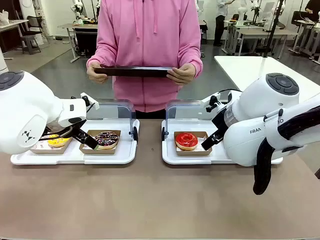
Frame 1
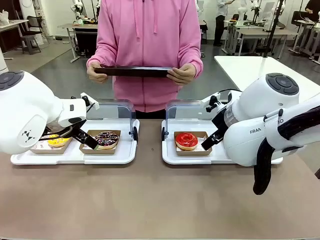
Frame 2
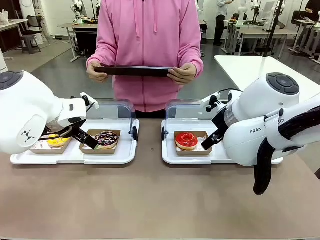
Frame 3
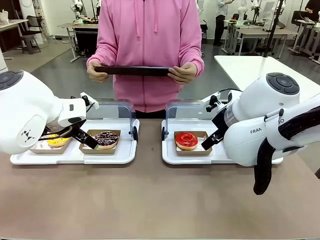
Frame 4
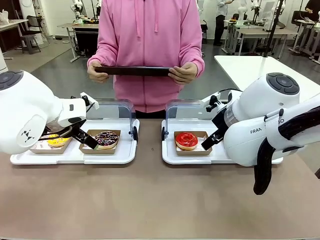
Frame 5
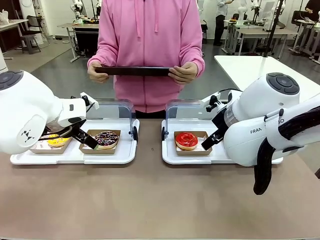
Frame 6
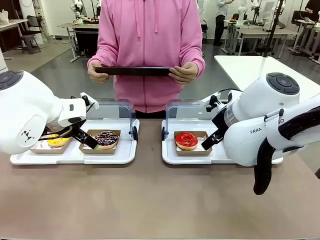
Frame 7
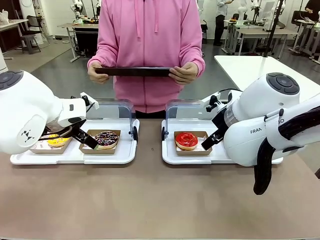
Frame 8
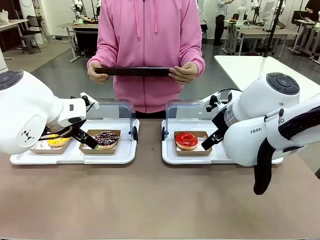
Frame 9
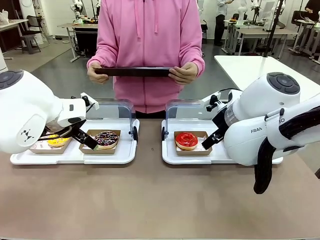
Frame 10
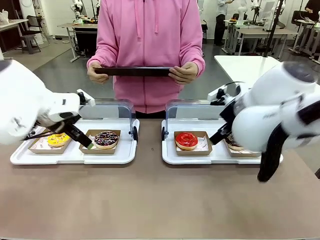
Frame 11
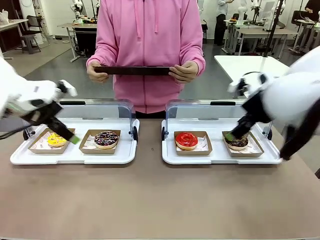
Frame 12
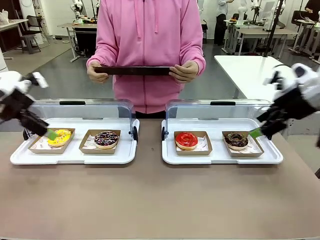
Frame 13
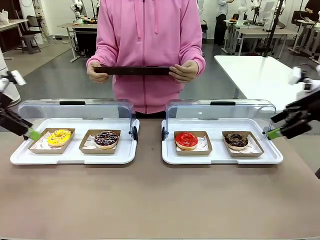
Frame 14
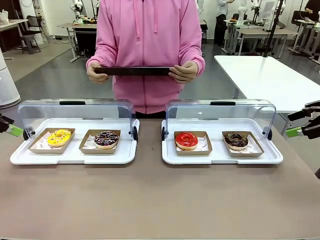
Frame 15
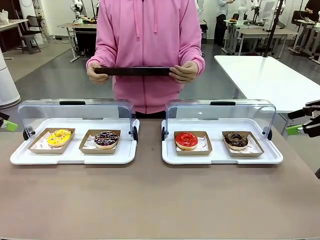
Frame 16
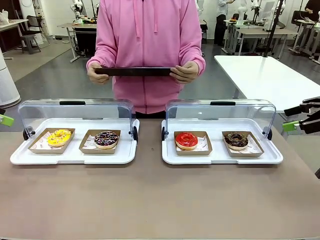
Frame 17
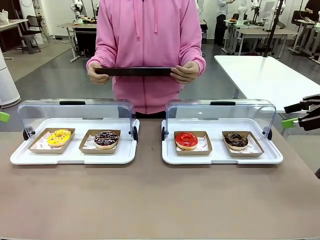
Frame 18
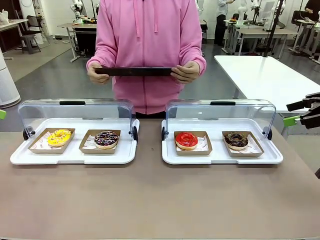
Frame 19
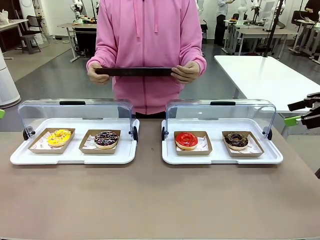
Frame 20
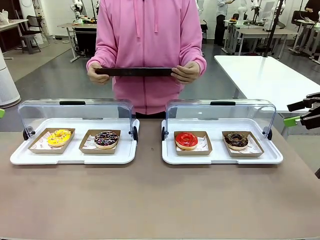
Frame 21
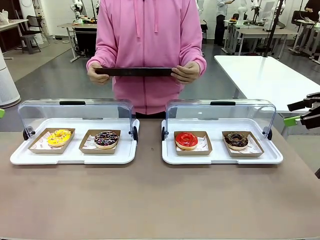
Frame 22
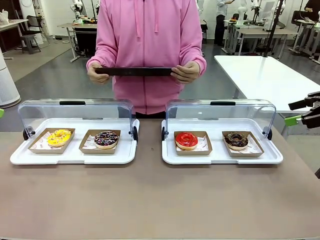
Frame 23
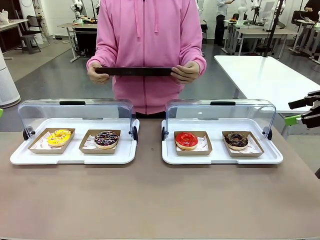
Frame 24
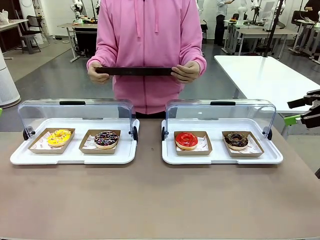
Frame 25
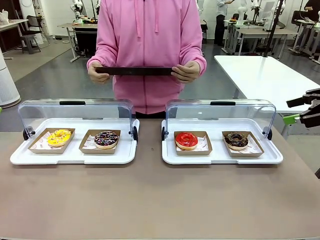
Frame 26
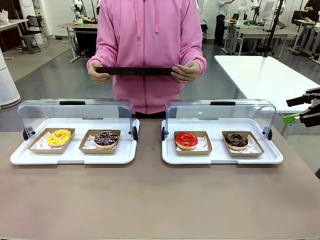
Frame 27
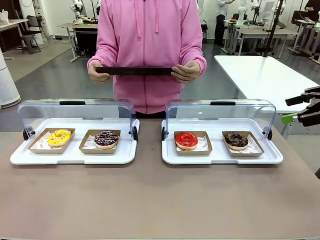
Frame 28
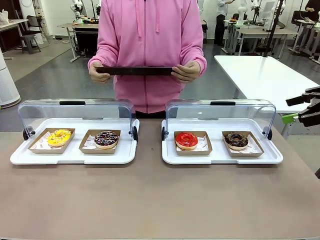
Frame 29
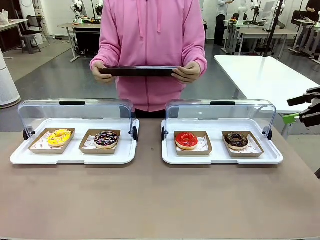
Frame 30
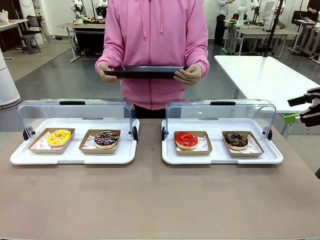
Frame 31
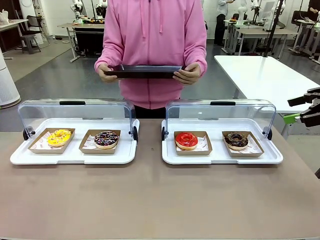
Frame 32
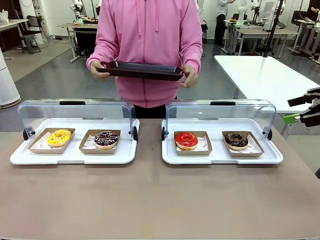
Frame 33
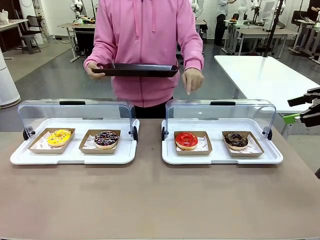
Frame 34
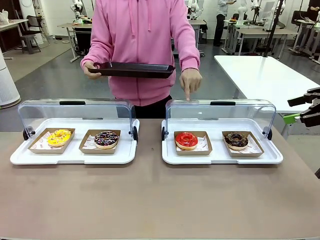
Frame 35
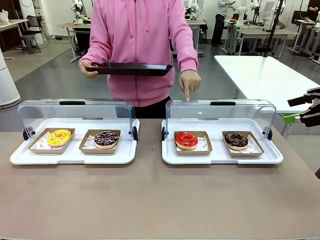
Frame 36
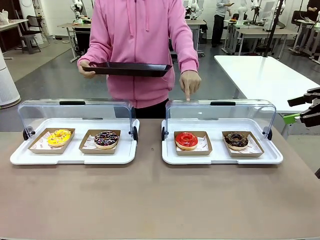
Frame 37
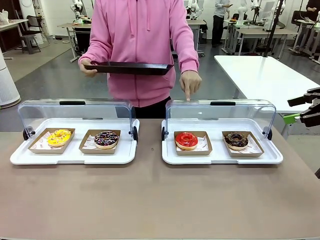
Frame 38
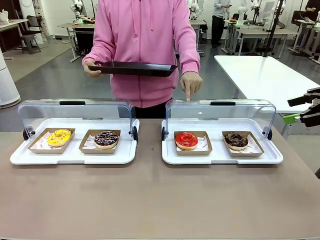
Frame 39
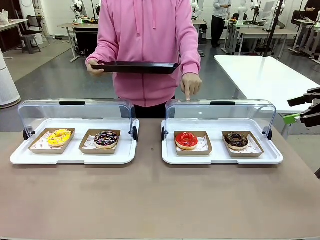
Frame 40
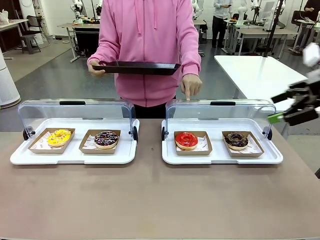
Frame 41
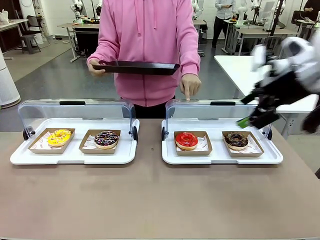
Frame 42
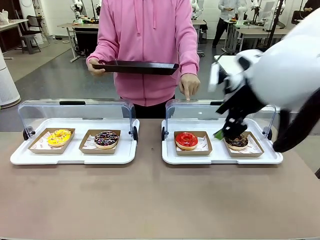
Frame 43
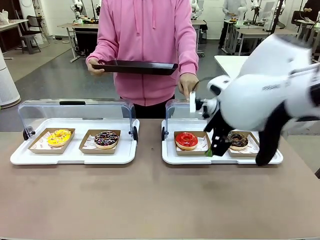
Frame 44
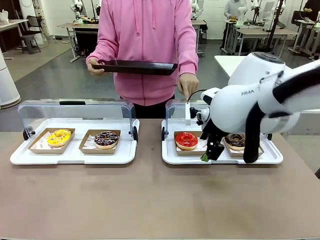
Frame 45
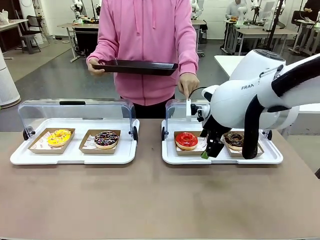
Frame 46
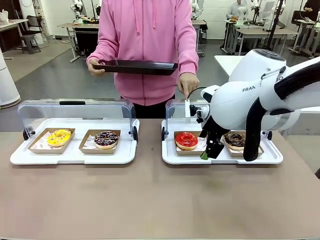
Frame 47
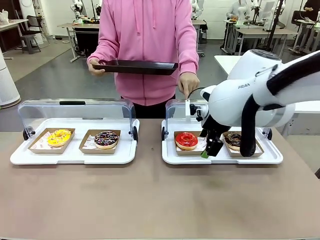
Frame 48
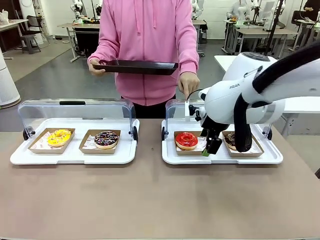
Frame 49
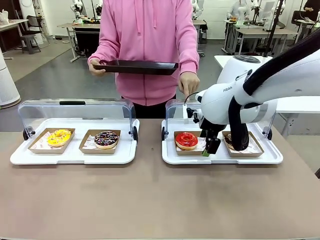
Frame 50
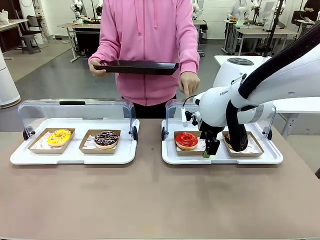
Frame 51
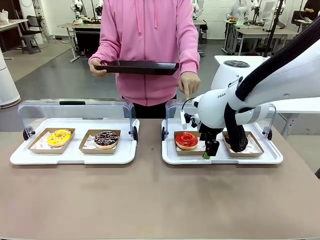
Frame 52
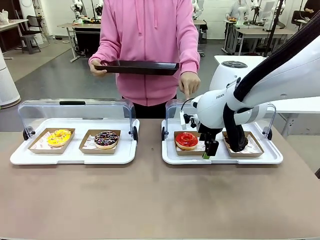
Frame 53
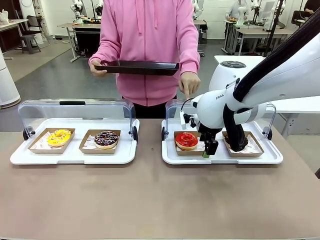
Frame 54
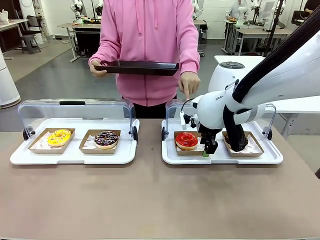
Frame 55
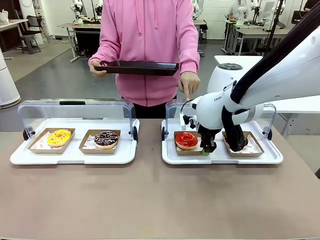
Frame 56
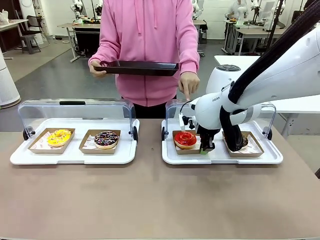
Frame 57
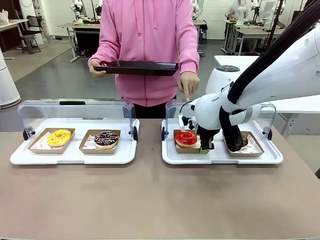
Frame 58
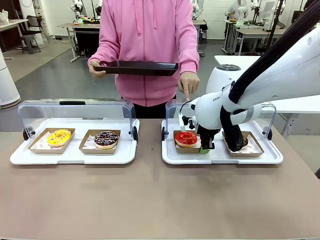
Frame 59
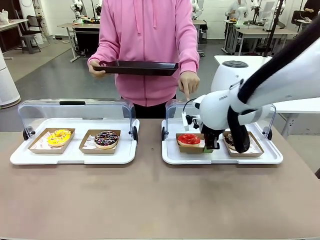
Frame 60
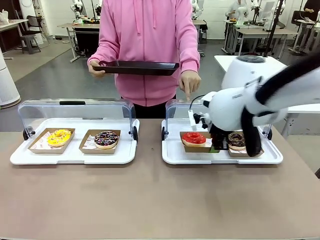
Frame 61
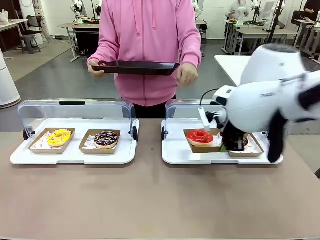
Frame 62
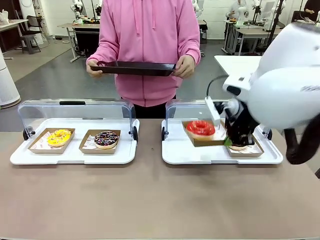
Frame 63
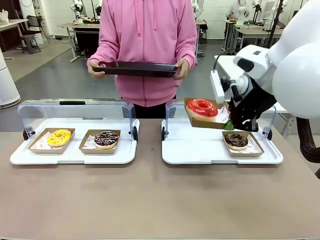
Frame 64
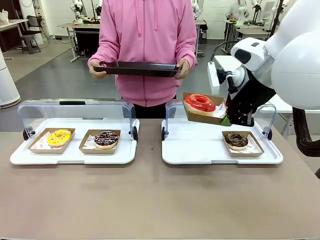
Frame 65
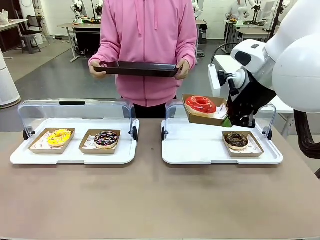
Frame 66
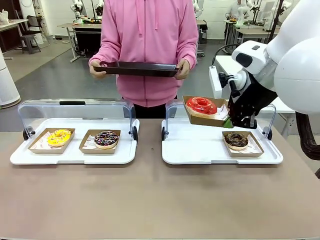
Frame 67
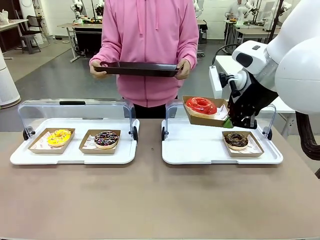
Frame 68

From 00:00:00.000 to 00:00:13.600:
Task: Provide the desired donut to the person.
Robot: Pick up and lift the Paper togo box containing the Donut pointed at by the person.
Person: Point to one donut. Lift the tray onto the Roll-Top Bakery Case.

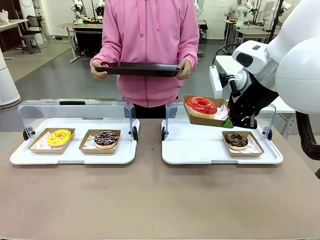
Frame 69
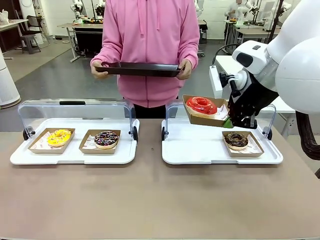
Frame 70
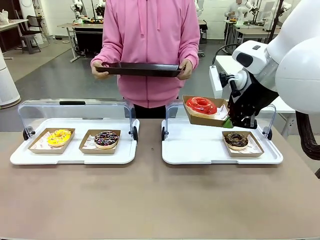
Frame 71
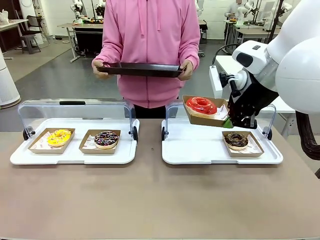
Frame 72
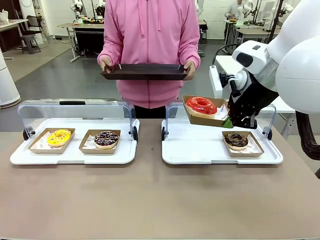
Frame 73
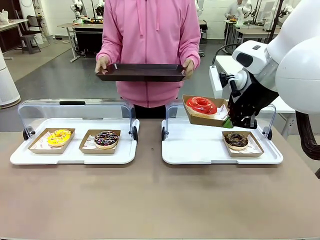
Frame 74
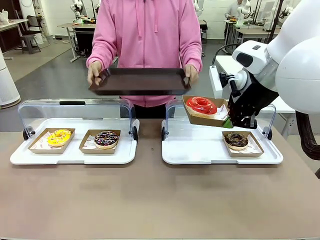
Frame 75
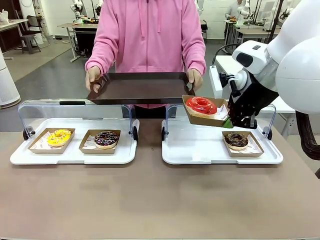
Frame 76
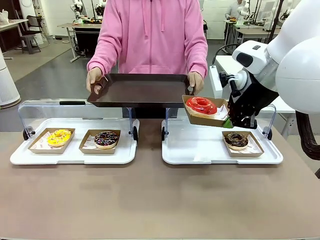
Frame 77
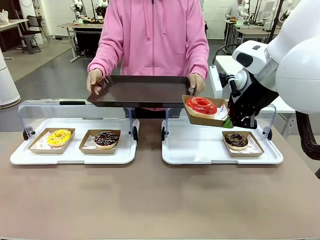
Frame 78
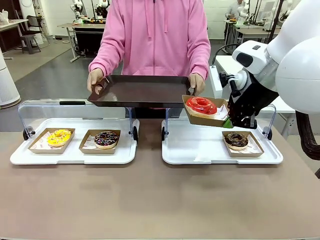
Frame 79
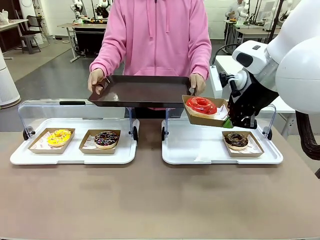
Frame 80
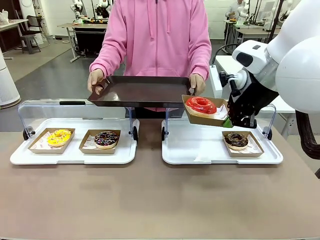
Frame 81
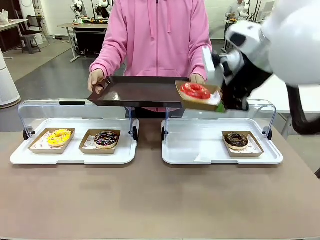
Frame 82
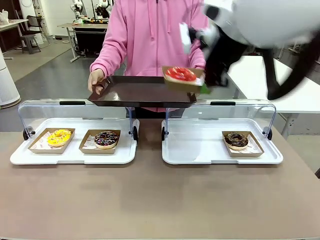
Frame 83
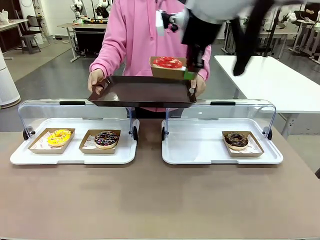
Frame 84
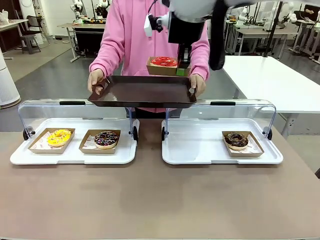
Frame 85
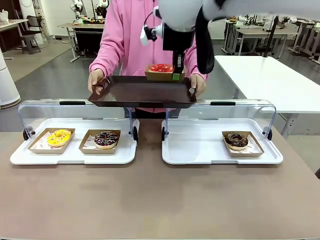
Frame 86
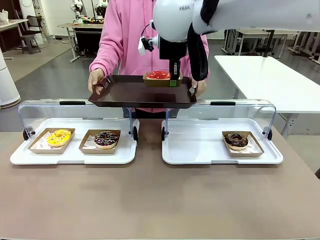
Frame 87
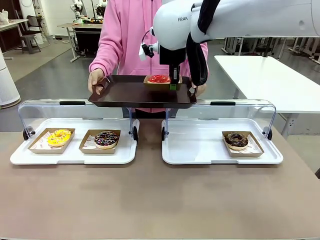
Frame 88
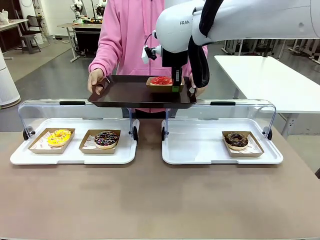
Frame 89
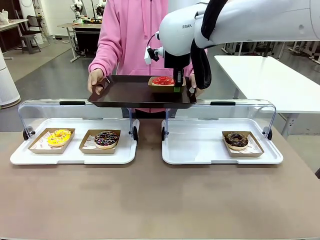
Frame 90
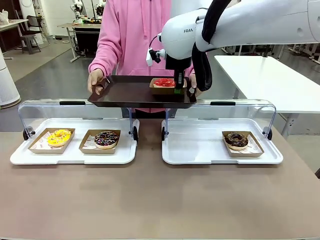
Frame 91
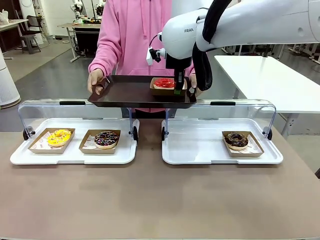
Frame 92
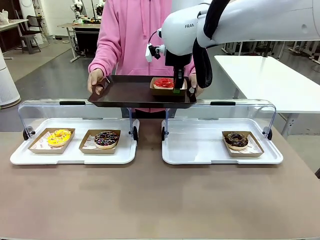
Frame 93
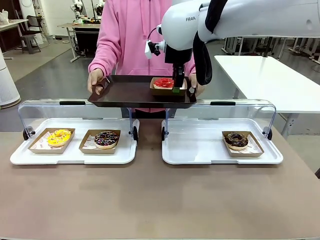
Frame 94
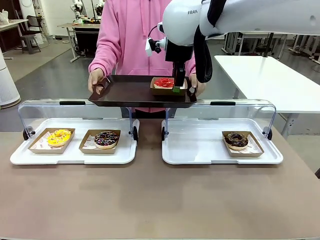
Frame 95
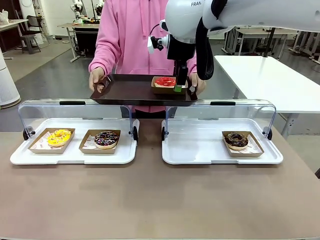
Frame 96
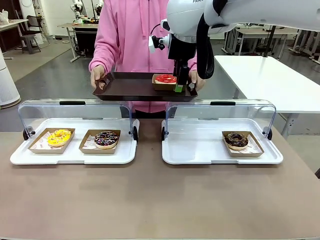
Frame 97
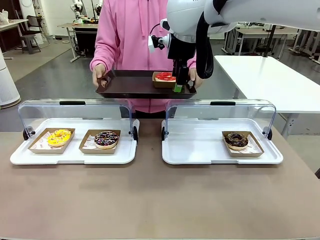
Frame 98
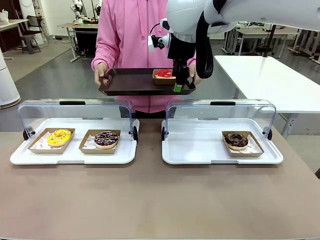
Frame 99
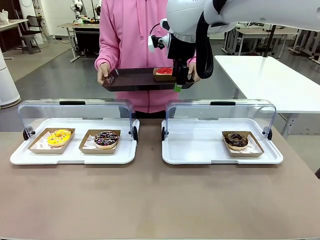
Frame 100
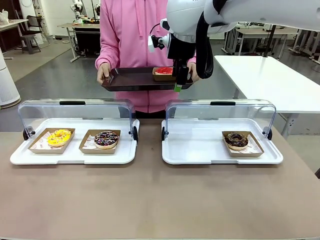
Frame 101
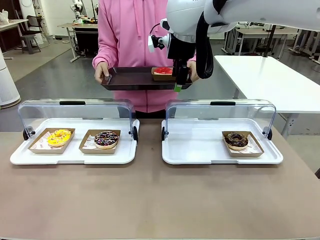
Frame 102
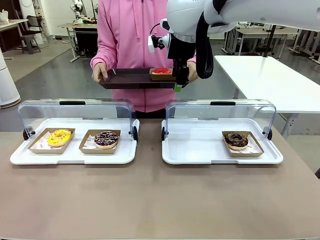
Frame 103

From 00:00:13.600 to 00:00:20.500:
Robot: Place the picked Paper togo box onto the Handle tray extended by the person.
Person: Point to one donut.
